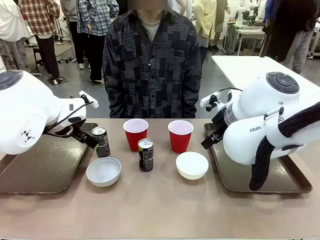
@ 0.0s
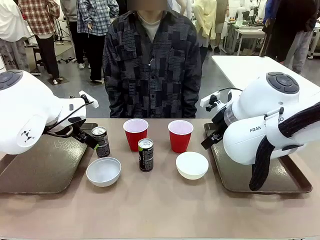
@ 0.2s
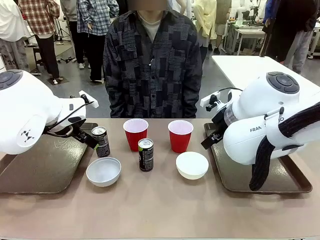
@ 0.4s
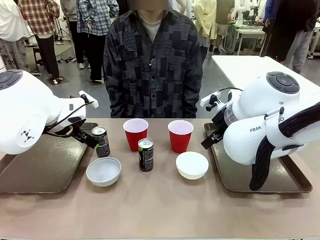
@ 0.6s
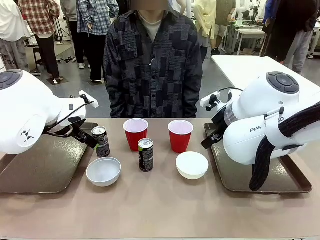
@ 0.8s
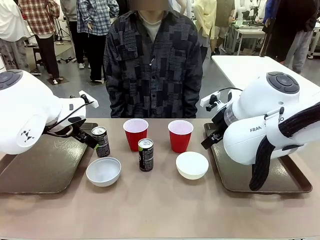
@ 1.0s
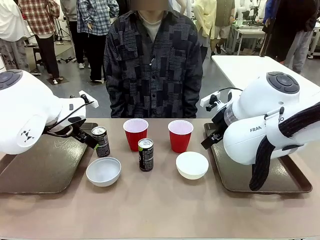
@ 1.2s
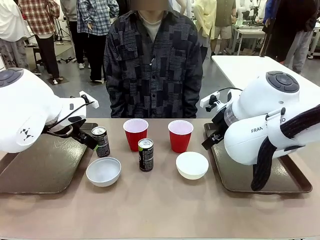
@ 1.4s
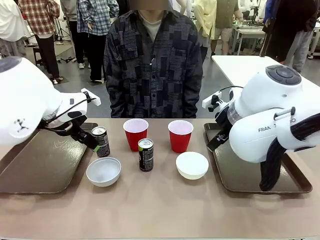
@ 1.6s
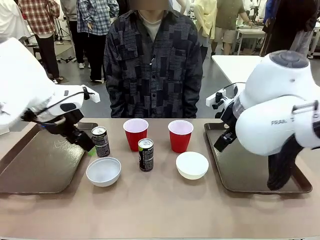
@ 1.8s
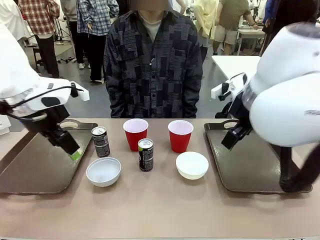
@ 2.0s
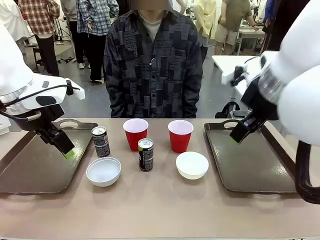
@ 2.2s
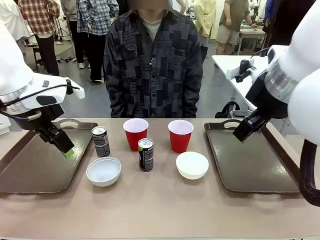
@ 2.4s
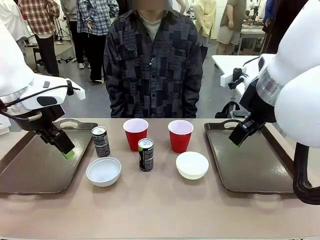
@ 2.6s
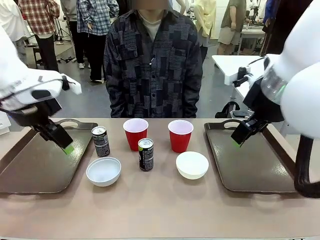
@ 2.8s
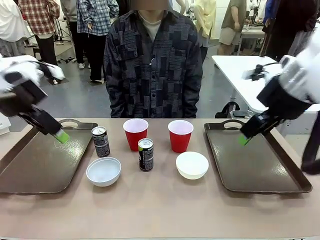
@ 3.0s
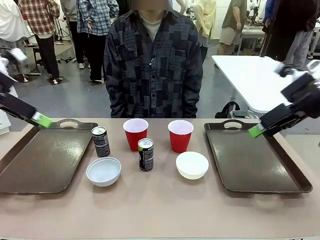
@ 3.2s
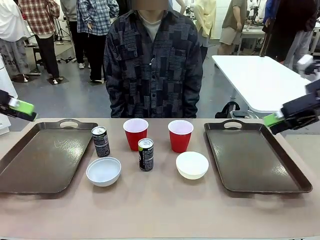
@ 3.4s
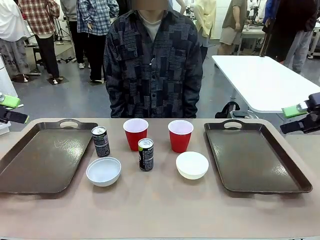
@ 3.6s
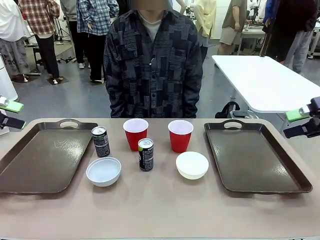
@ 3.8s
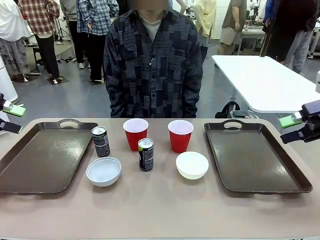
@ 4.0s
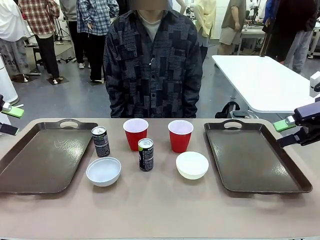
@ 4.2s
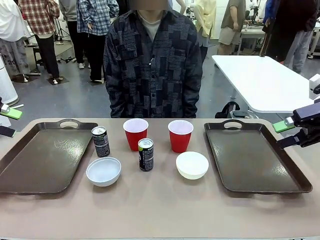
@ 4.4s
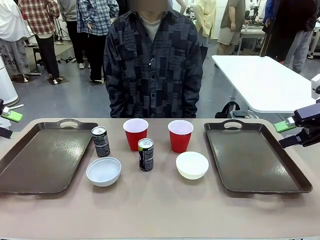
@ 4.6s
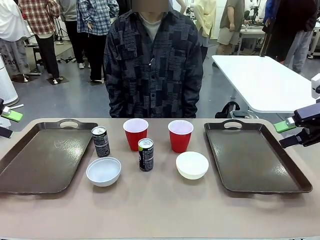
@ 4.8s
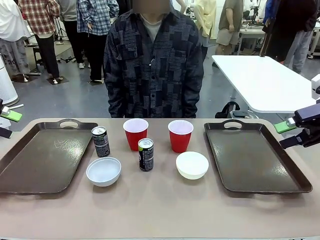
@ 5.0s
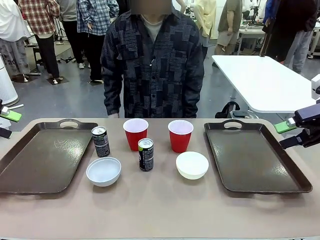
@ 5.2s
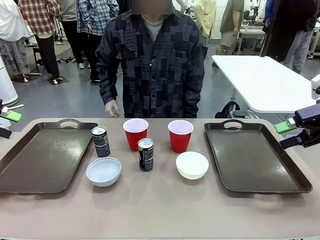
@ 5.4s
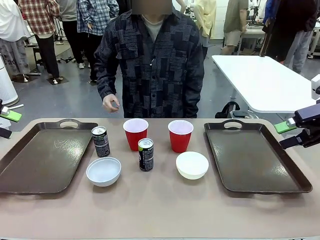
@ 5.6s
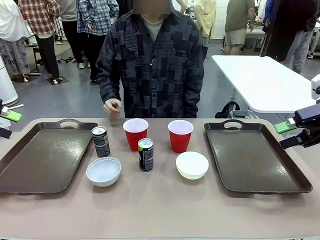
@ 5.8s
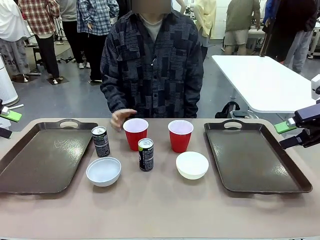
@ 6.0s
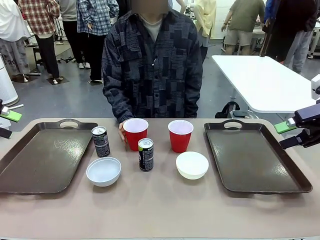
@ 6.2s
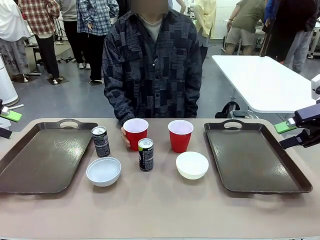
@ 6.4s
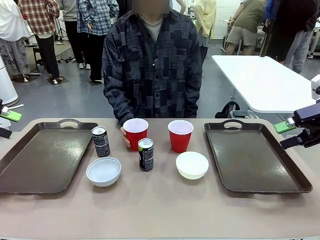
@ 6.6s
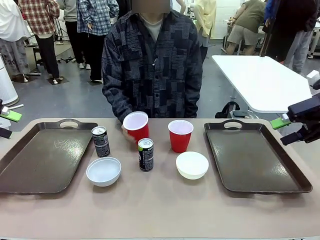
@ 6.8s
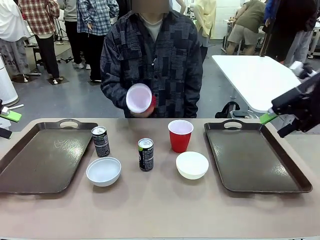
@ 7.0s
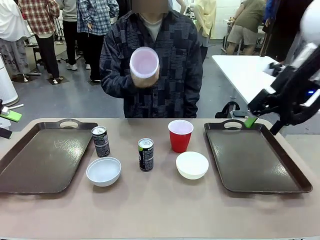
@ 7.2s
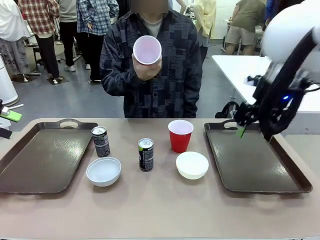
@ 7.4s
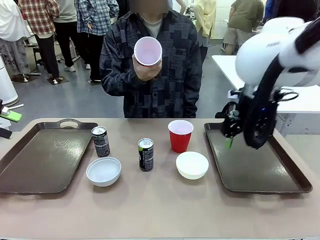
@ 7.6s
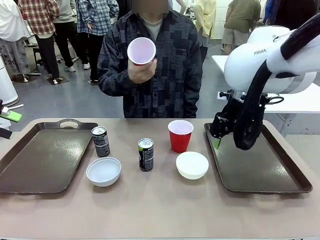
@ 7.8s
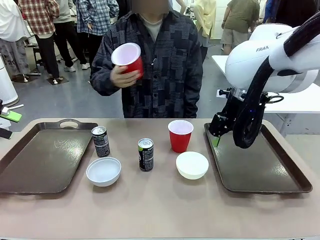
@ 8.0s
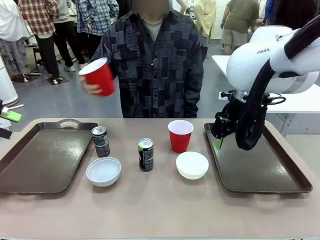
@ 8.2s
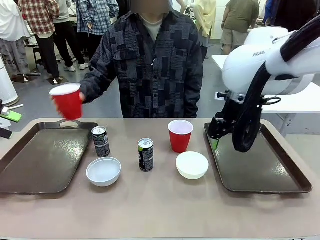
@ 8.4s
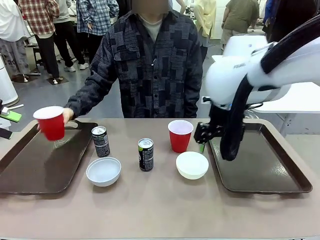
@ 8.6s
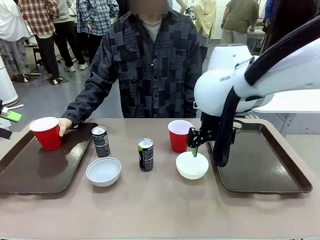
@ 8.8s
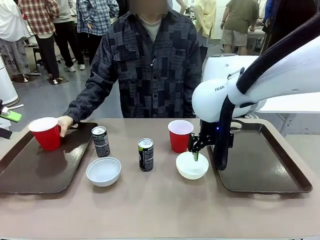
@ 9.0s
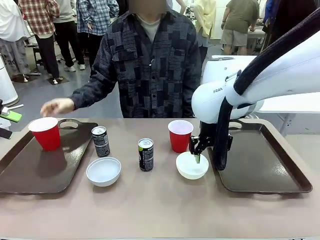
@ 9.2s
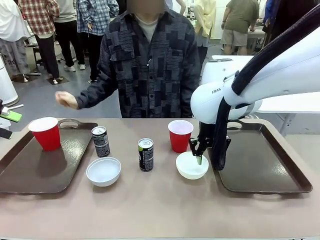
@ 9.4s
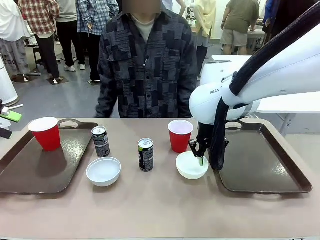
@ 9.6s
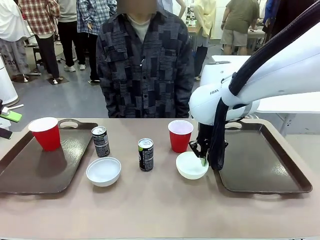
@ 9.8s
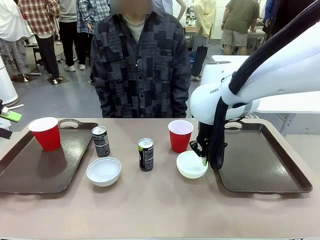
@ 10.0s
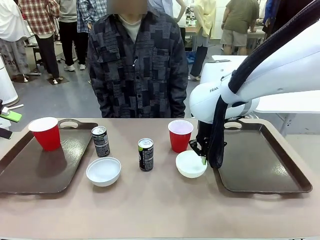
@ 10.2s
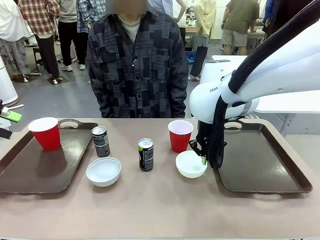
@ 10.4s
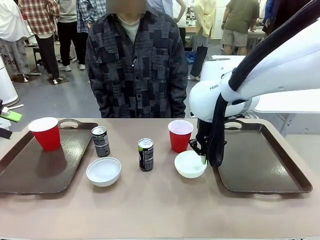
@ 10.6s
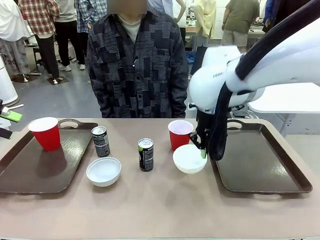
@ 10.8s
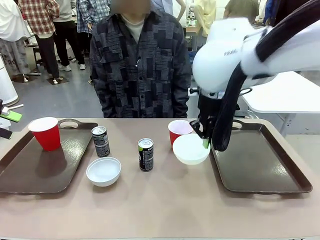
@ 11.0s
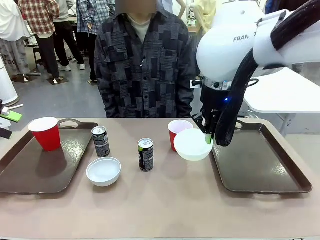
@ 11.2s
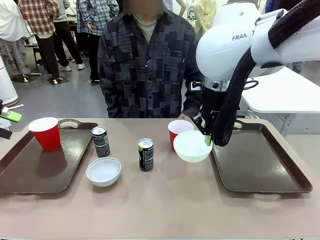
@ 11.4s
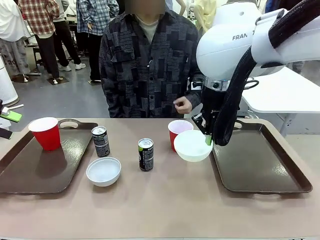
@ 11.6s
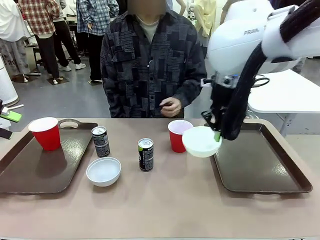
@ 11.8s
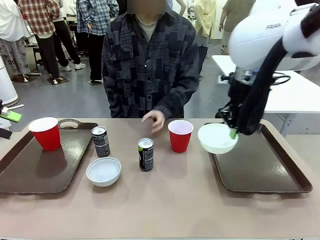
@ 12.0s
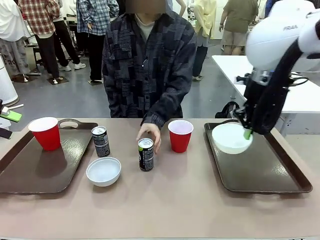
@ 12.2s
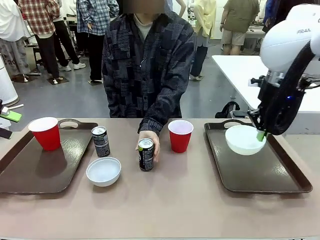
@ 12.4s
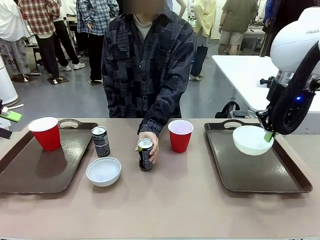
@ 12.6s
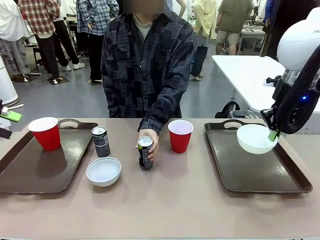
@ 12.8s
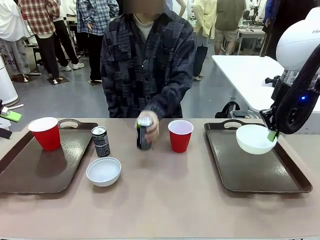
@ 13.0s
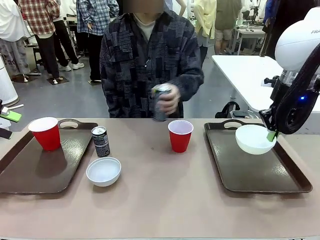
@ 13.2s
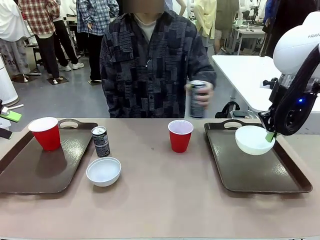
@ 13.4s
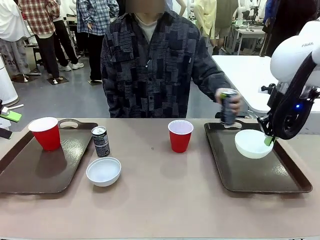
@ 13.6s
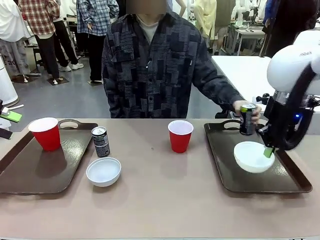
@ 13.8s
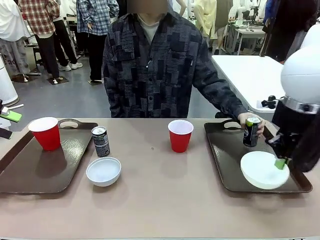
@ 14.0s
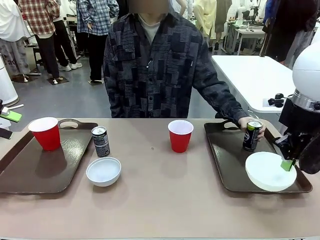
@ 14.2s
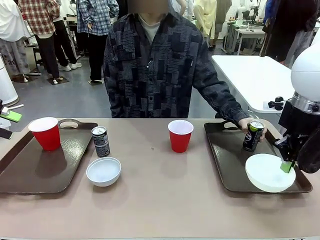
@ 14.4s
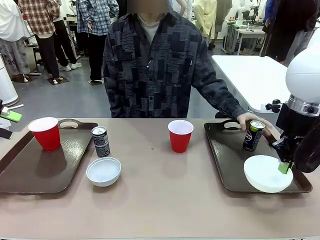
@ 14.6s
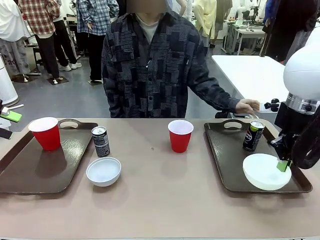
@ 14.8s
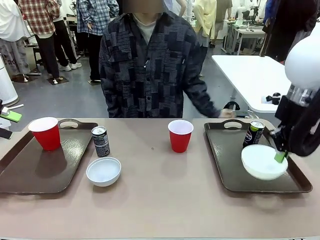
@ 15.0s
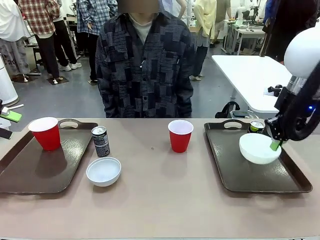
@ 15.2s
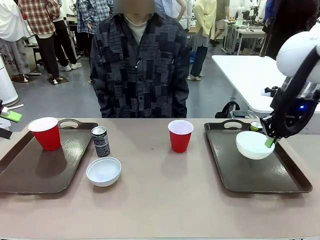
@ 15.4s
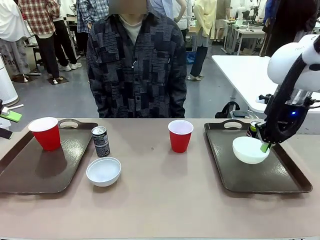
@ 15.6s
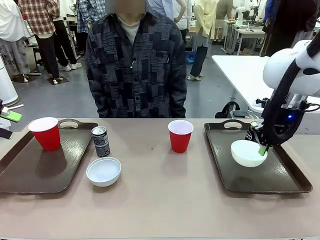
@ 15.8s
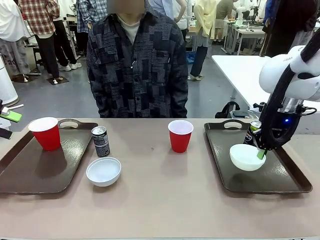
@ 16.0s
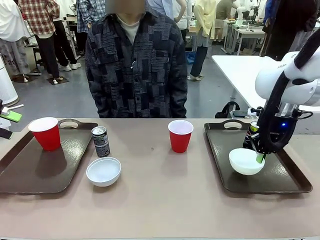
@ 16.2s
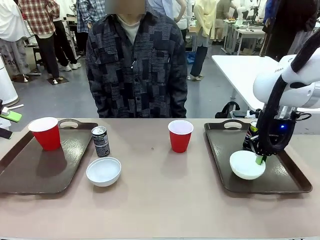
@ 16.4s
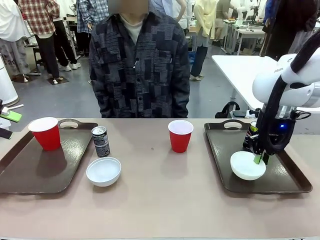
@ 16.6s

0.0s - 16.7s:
Task: Prepare tableware on both trays.
Robot: Pick up a Picnic Bowl from the table and place it on a Handle tray.
Person: Pick up a can or cup and place it on the tray.
